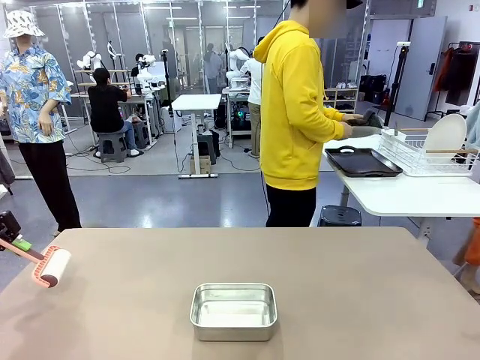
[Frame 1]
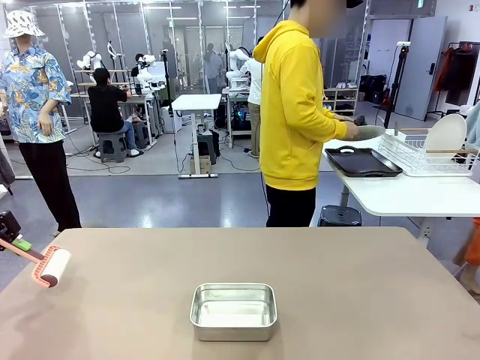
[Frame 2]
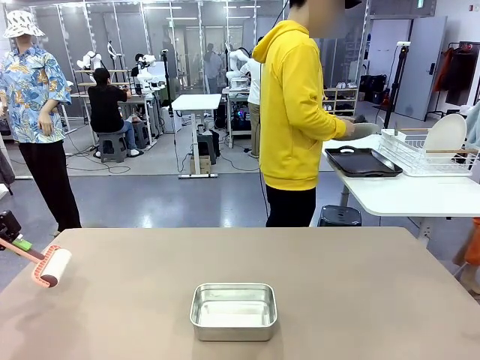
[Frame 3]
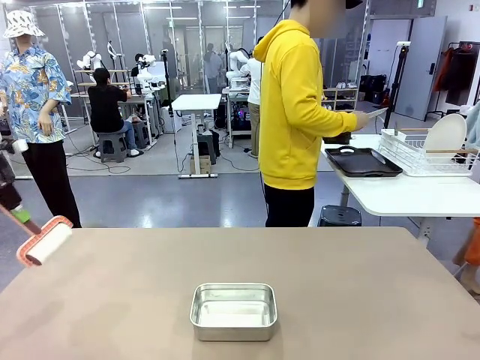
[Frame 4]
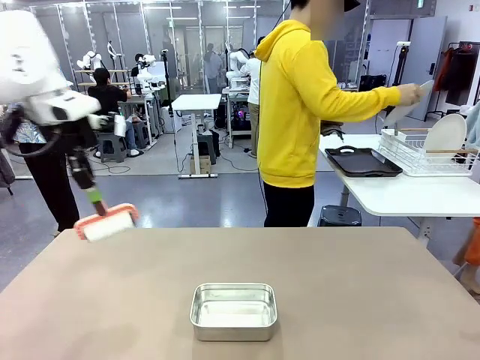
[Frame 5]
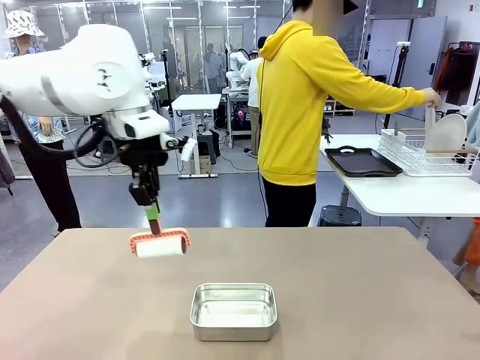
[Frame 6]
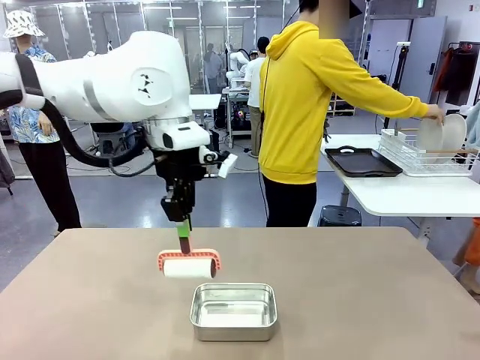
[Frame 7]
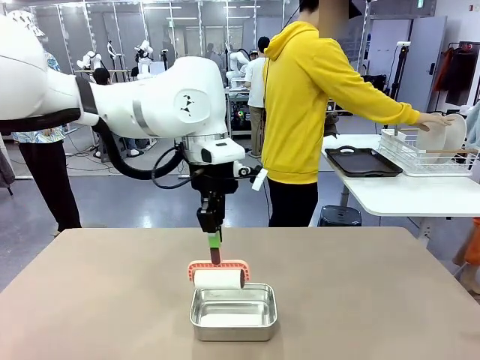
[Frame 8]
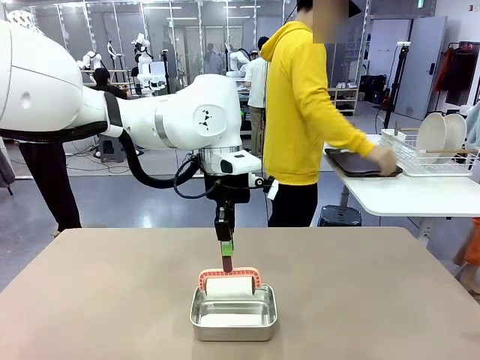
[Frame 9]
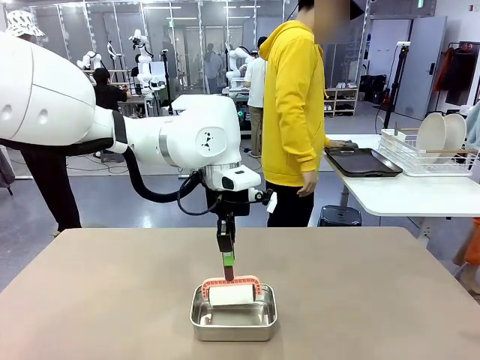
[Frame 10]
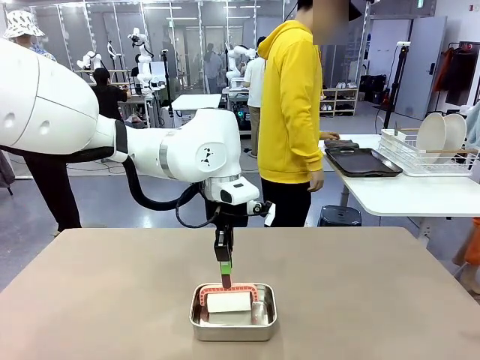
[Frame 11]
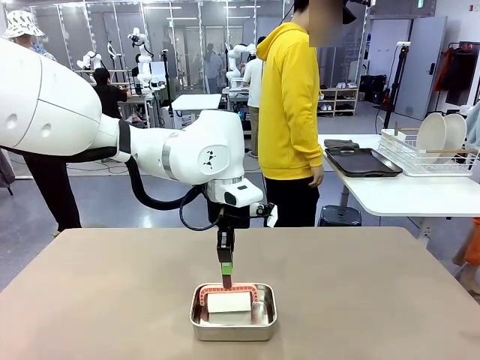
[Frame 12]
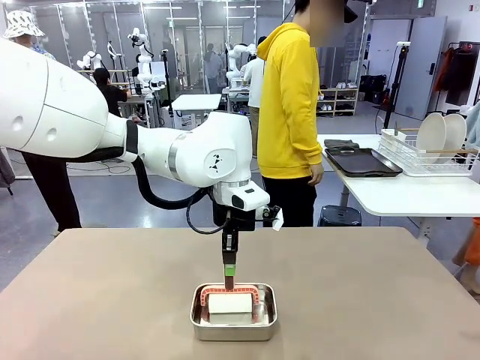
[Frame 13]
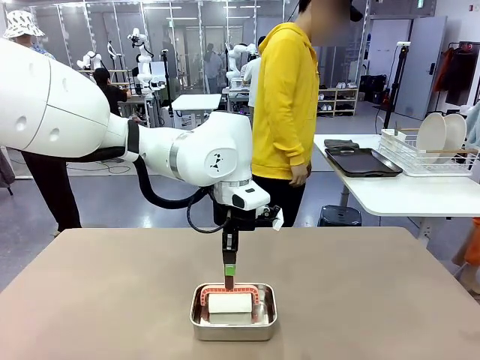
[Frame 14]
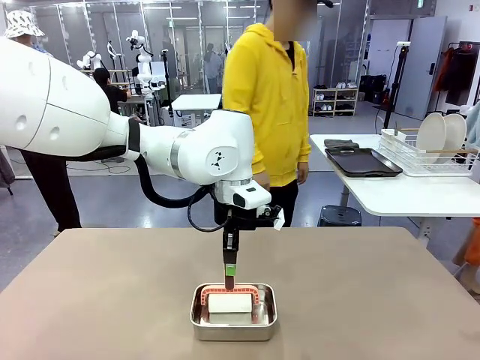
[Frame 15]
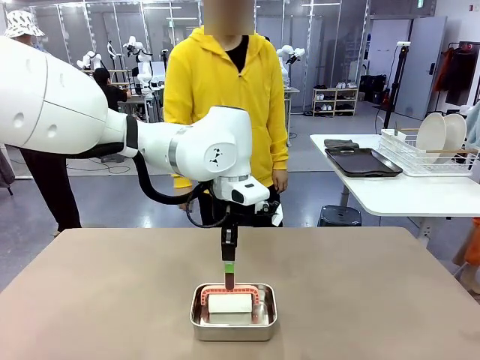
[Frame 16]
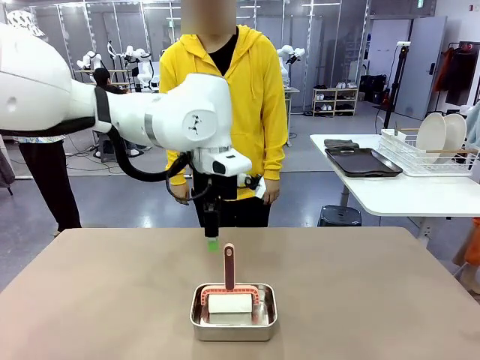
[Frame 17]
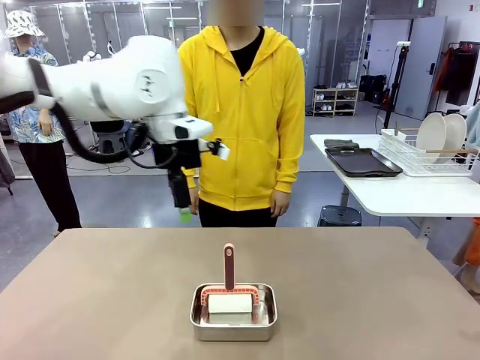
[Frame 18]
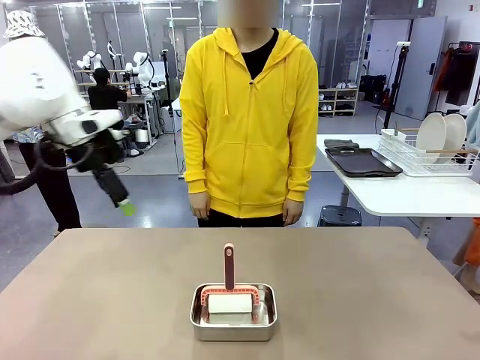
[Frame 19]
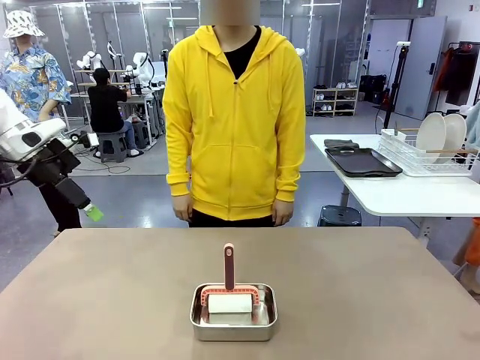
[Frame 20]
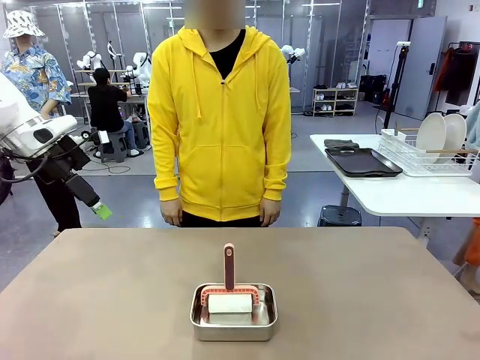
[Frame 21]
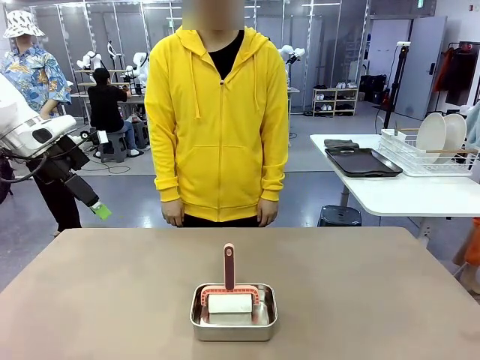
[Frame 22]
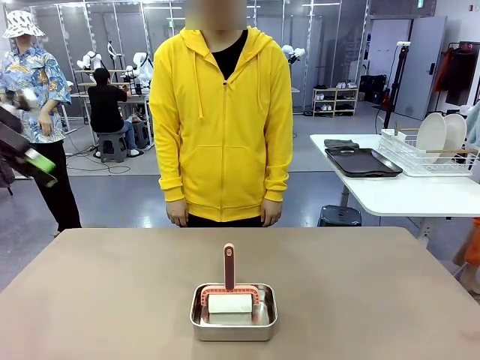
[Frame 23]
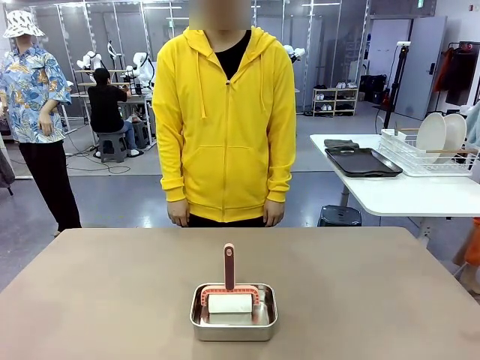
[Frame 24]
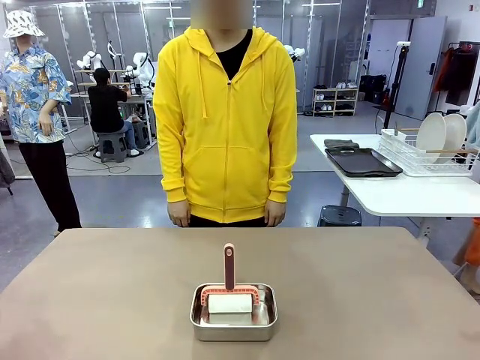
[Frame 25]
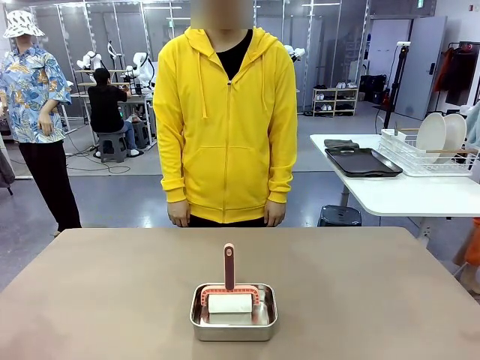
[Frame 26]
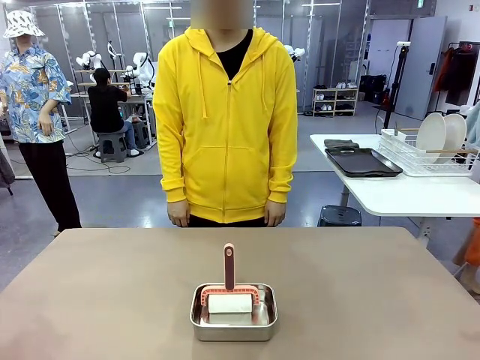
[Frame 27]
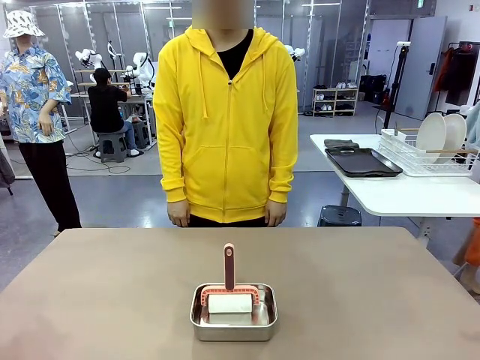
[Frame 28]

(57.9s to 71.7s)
Robot: Place the Lint Roller back on top of the Airtight Container.

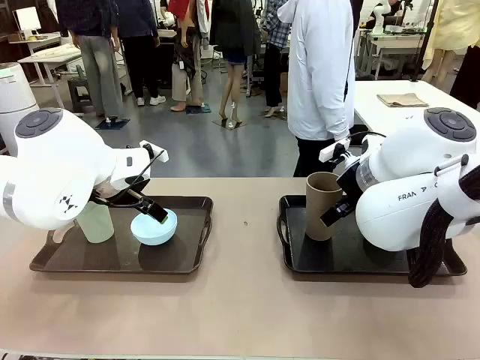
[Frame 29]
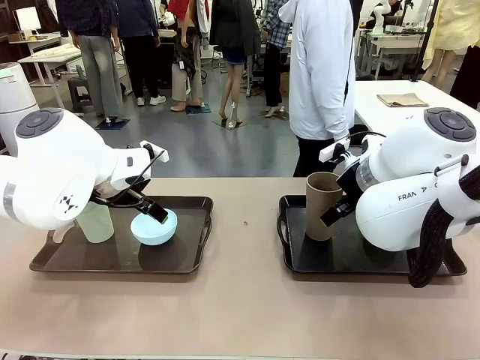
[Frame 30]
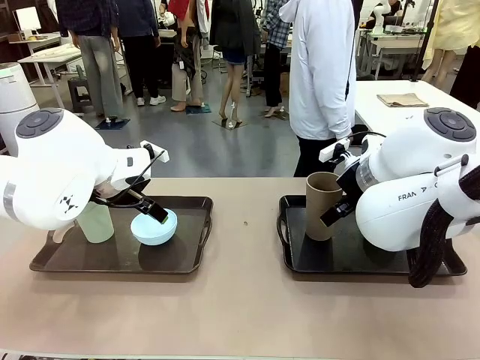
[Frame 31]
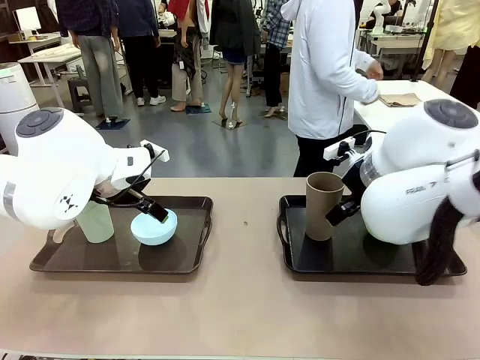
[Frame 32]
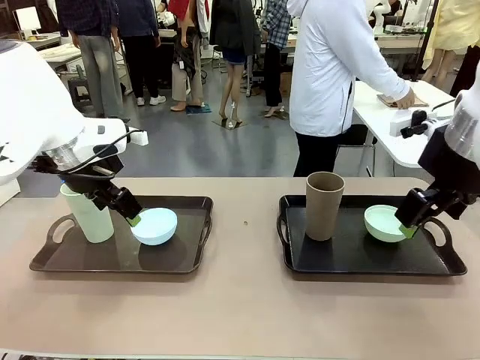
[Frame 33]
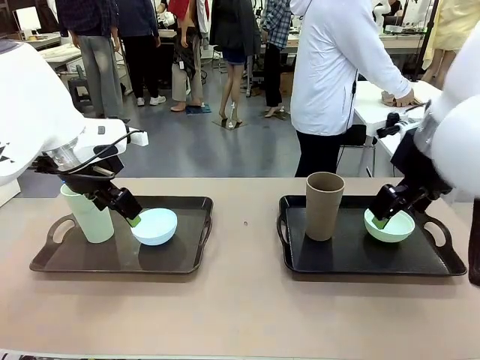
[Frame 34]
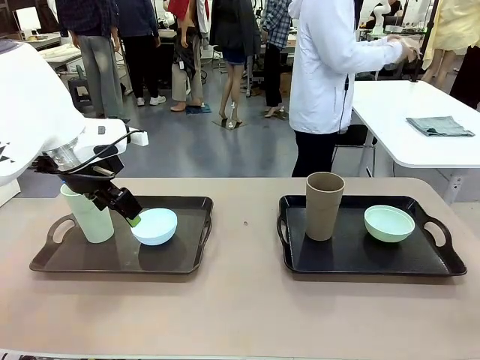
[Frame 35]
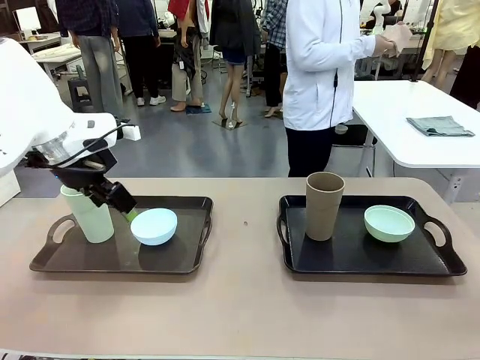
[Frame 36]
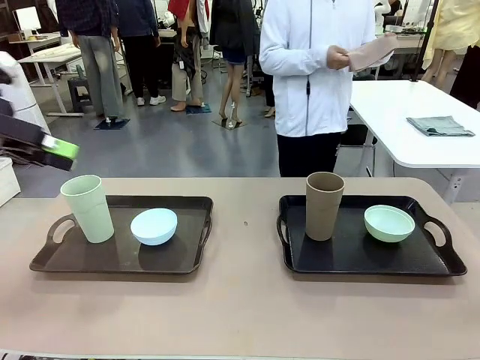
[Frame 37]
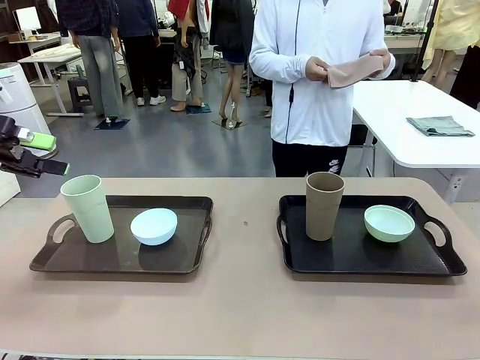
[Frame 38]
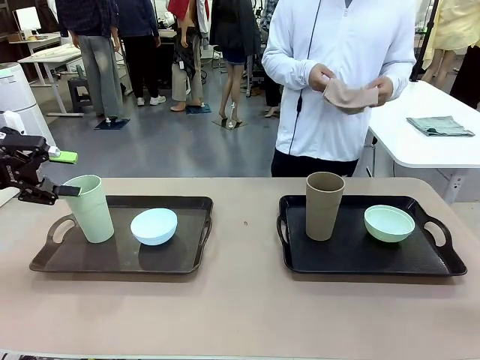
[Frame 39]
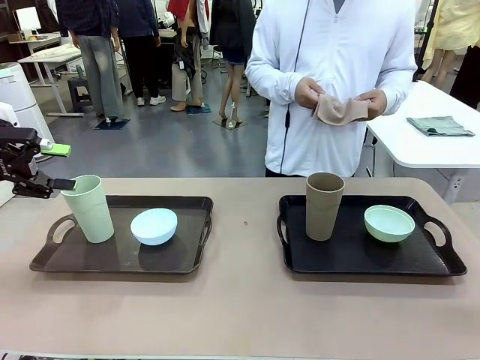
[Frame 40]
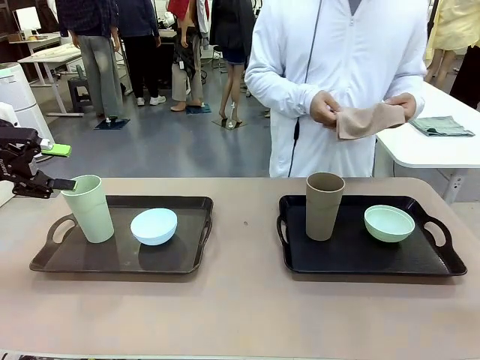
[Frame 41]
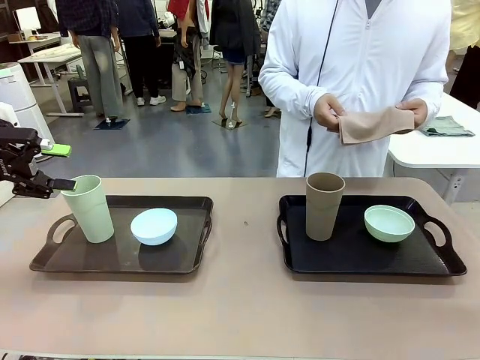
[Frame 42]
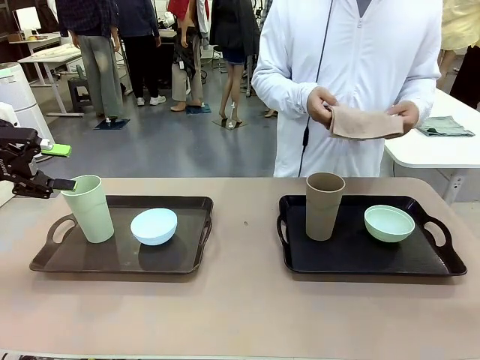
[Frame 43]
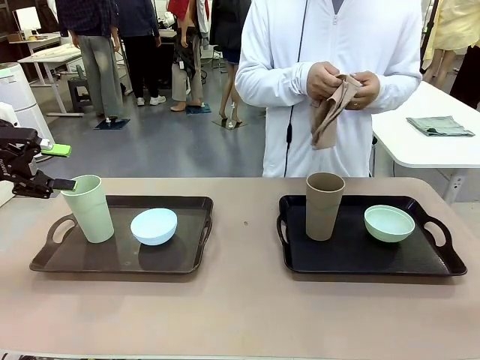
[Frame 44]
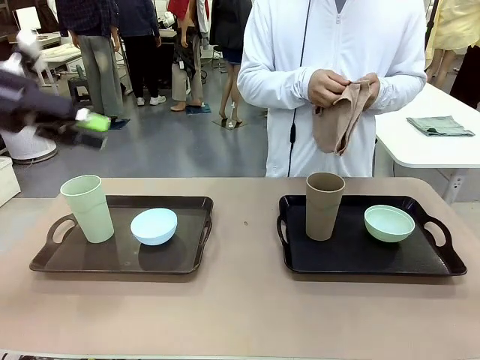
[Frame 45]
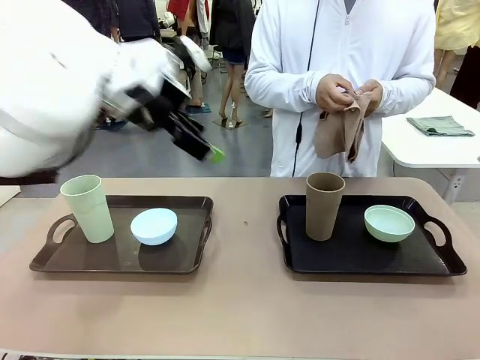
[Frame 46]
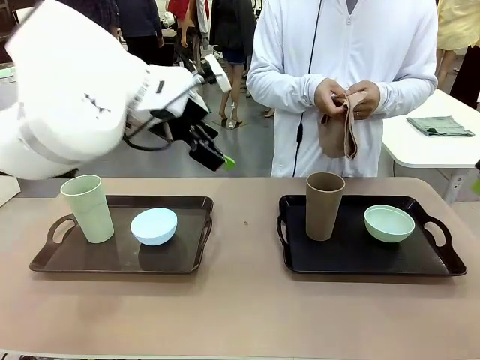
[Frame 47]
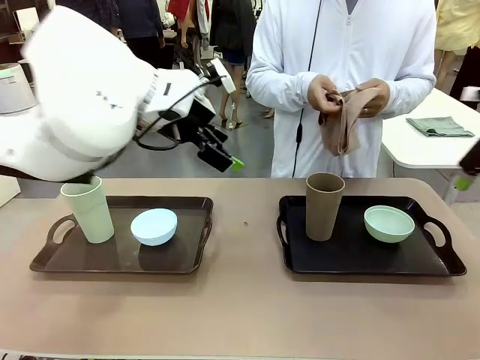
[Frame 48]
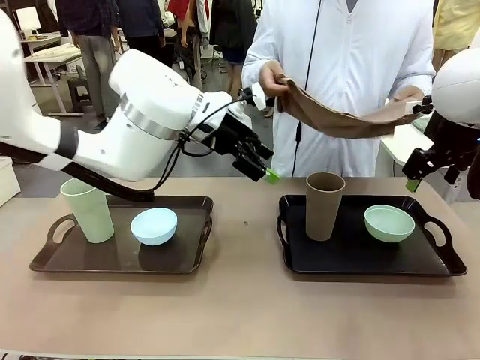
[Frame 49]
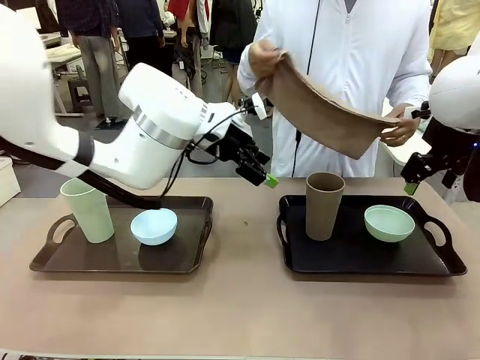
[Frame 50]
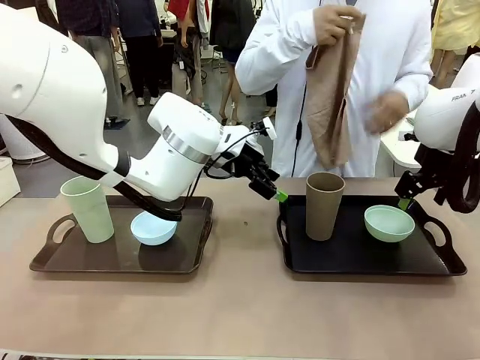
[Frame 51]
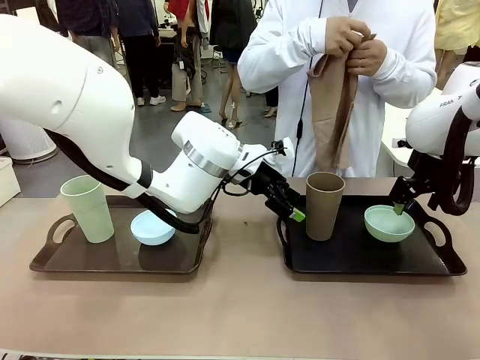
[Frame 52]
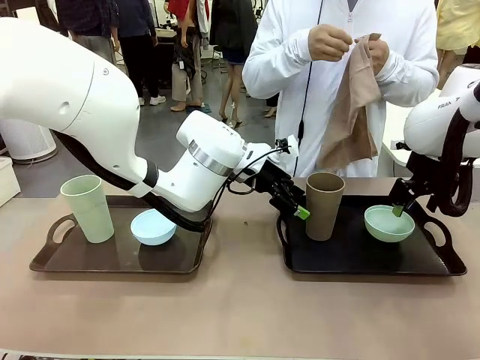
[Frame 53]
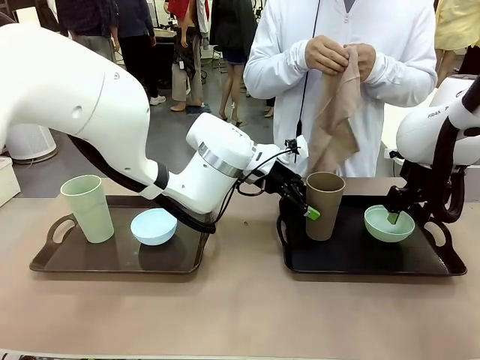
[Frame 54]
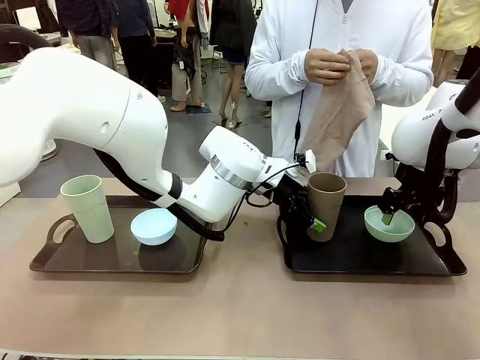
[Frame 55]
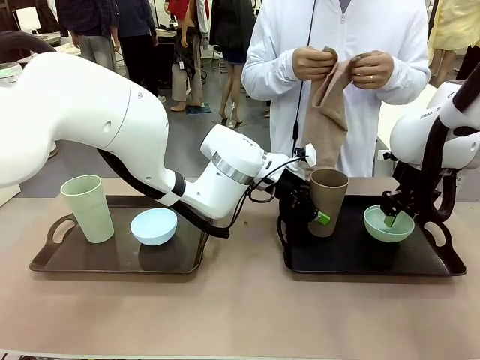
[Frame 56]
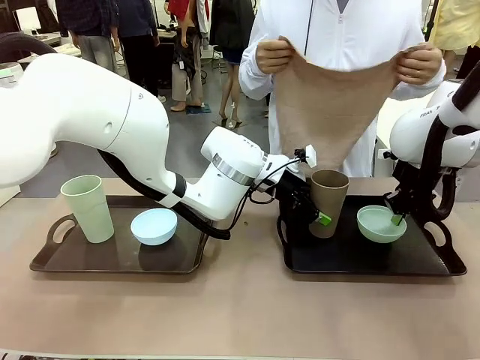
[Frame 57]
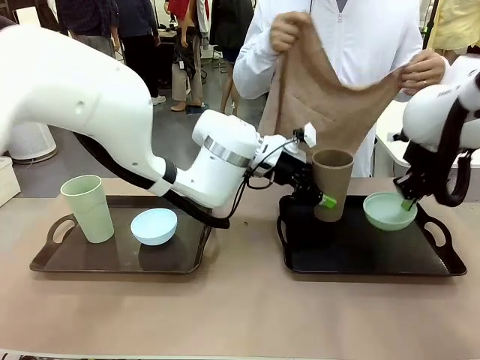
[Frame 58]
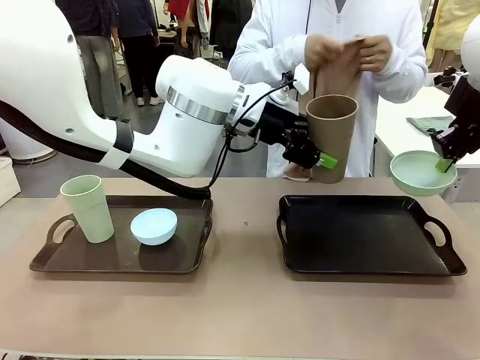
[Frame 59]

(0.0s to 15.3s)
Robot: Pick up the Picnic Bowl and Reusable plastic cup from the Handle tray in front of the human's position and hold them in the air.
Person: The human picks up the top napkin from the stack on the human table and walks to the robot table to stand in front of one of the two trays. When the robot lifts the bowl and the cup, the human unfolds the napkin and lays the napkin flat on the tray.
